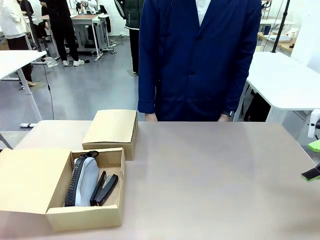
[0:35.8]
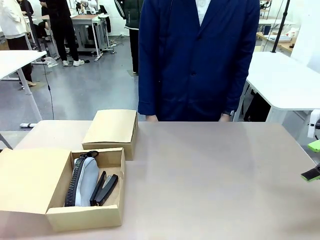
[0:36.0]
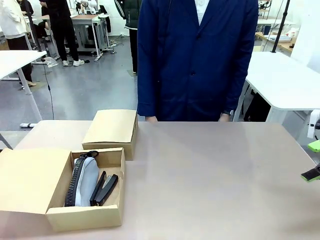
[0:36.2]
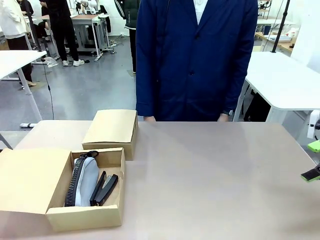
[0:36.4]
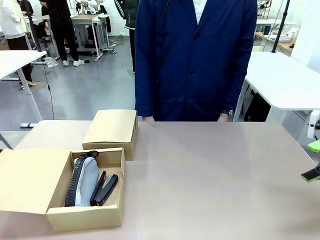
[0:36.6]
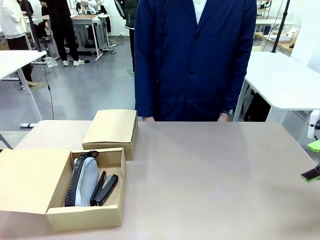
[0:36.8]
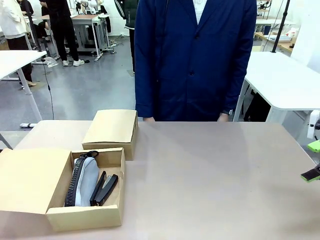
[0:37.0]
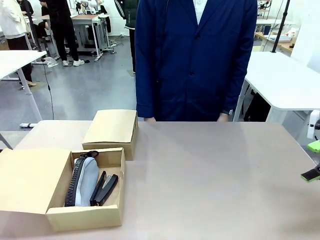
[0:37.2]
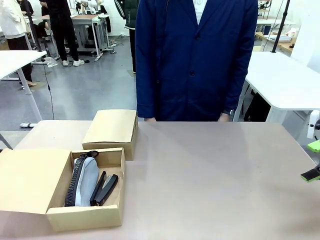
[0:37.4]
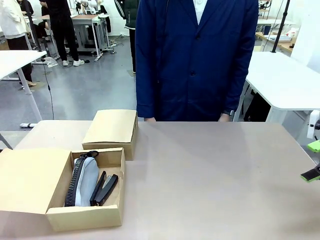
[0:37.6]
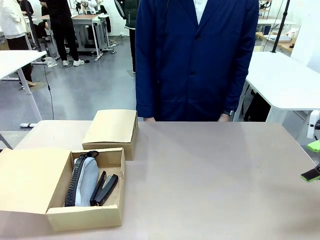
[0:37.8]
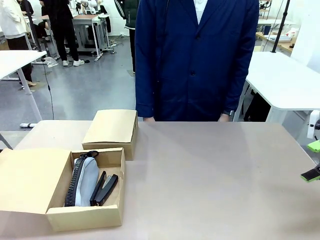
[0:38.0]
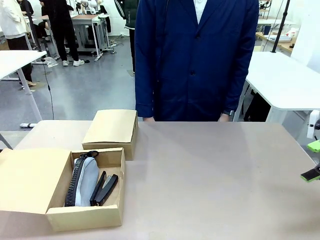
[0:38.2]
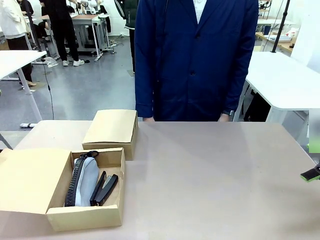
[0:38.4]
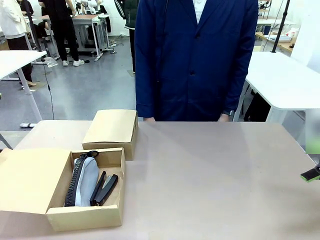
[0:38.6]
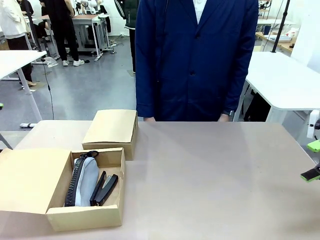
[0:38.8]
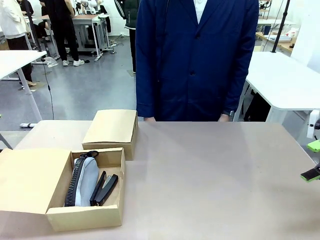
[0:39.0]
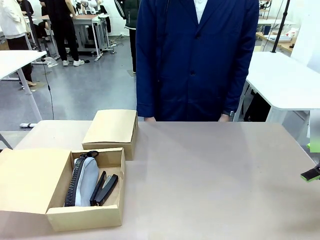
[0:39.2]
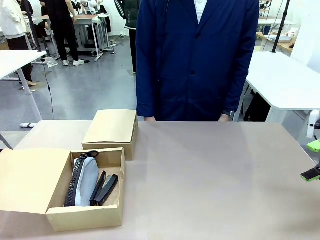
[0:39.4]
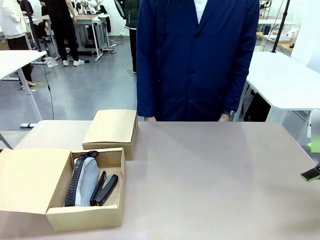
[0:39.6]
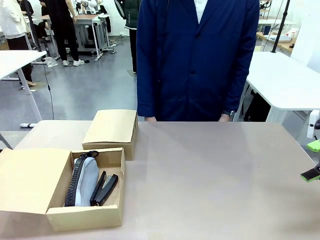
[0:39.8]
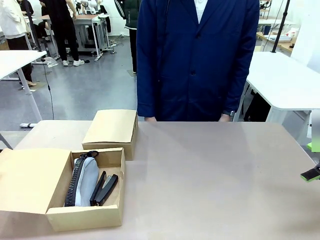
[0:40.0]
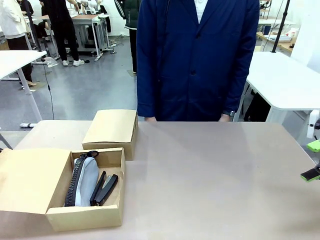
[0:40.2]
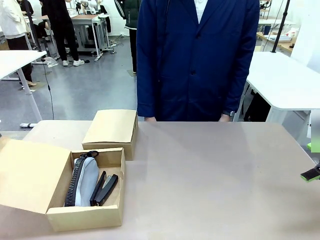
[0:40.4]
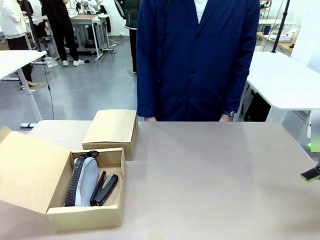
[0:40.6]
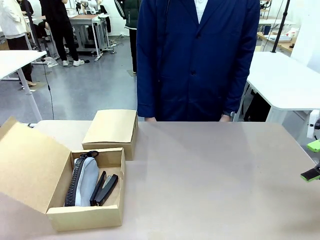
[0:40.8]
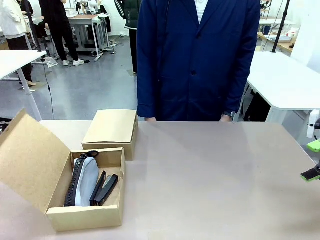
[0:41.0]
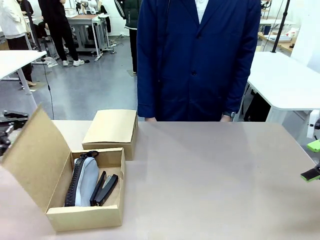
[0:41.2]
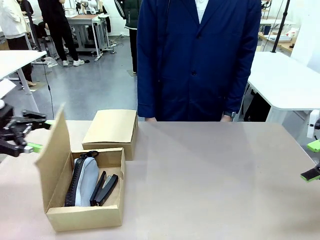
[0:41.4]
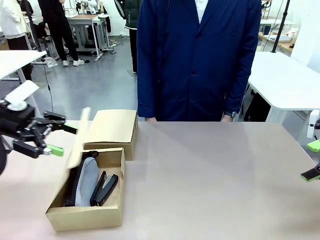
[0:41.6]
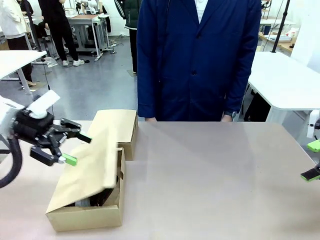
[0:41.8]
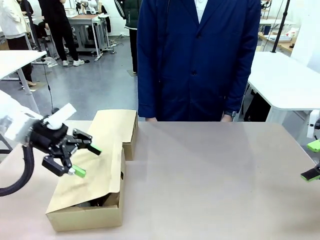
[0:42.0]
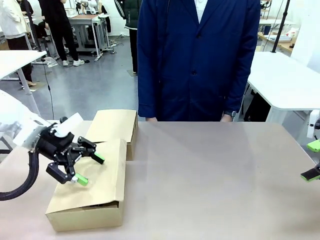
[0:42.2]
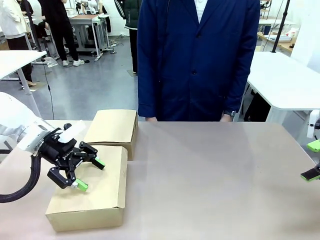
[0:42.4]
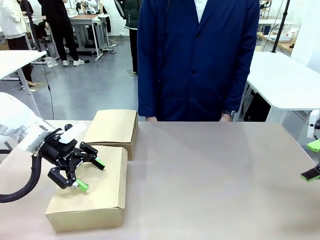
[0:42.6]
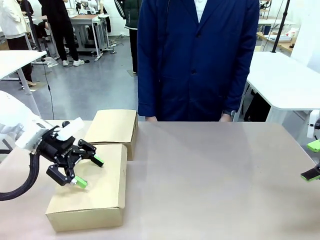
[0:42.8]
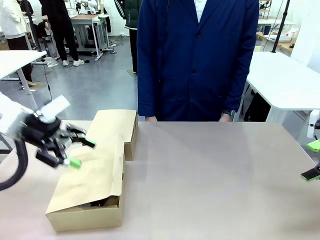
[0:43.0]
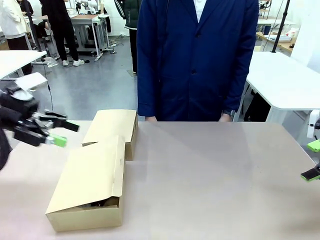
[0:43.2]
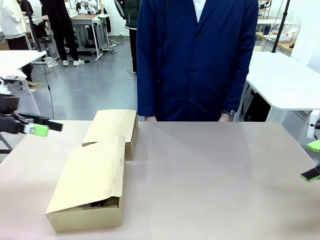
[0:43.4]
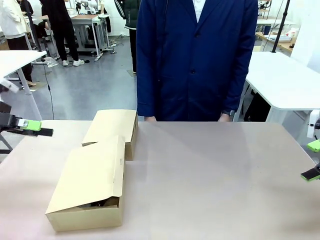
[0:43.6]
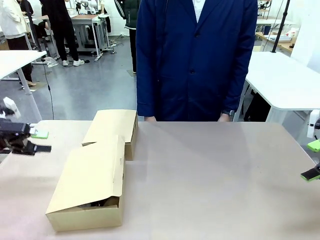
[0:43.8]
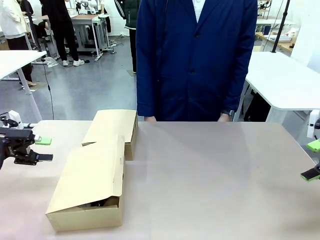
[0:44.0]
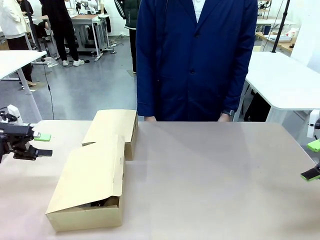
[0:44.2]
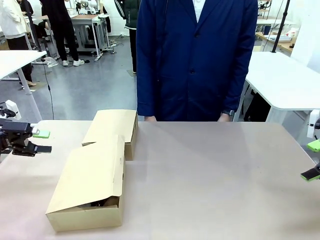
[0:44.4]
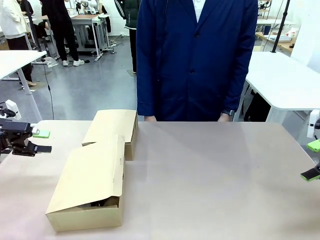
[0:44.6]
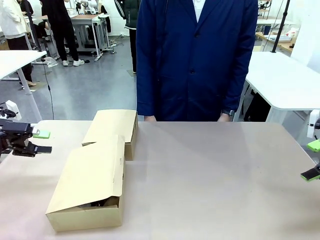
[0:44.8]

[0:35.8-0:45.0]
Task: Place items inside the box.
Robot: Close the lid of the Mailer Box closest to the robot.
Person: Close the lid of the box facing the person.

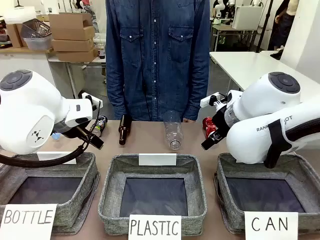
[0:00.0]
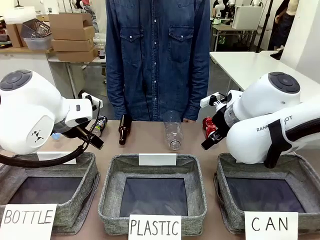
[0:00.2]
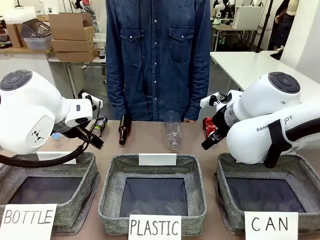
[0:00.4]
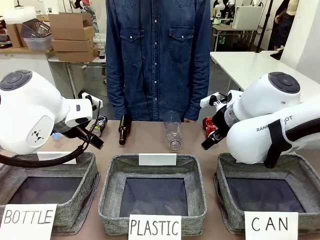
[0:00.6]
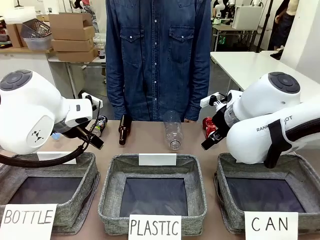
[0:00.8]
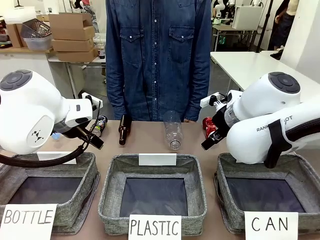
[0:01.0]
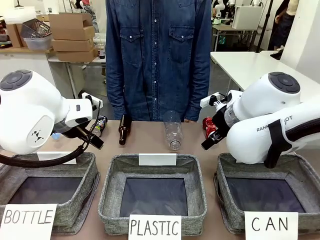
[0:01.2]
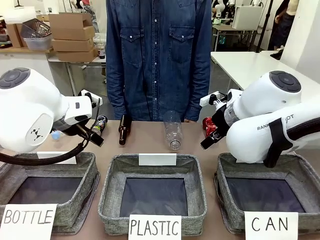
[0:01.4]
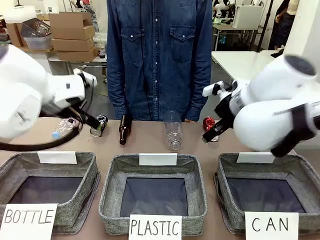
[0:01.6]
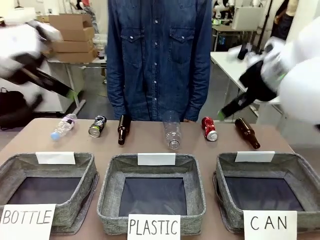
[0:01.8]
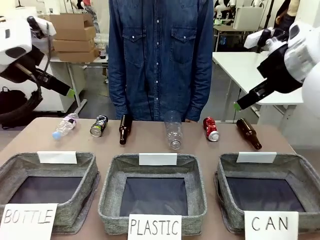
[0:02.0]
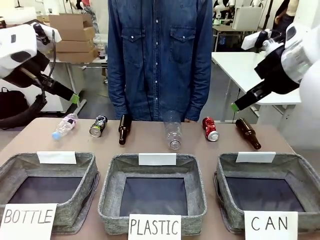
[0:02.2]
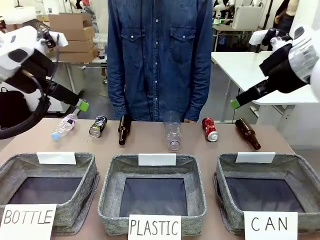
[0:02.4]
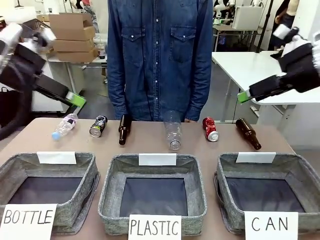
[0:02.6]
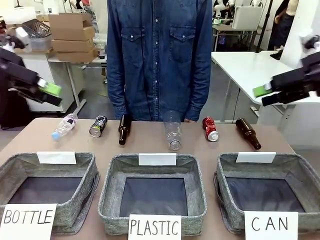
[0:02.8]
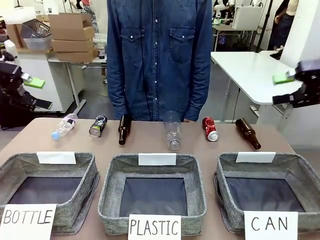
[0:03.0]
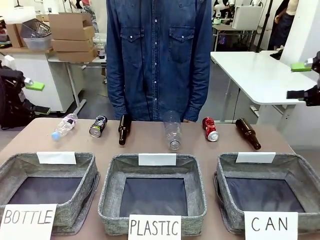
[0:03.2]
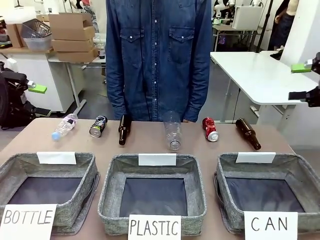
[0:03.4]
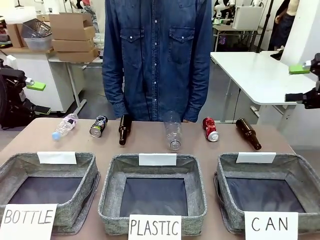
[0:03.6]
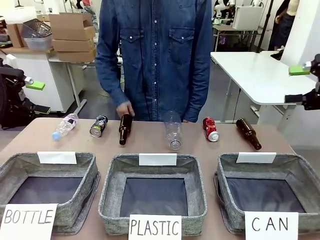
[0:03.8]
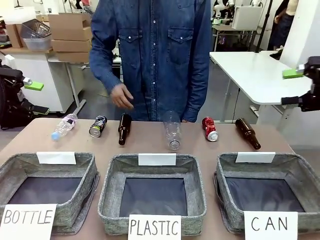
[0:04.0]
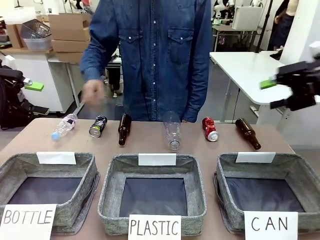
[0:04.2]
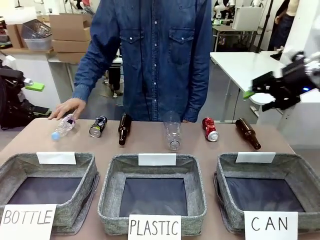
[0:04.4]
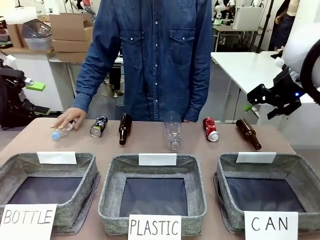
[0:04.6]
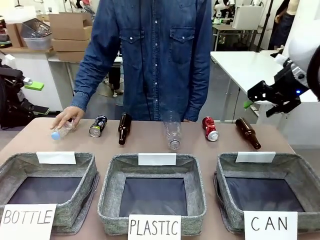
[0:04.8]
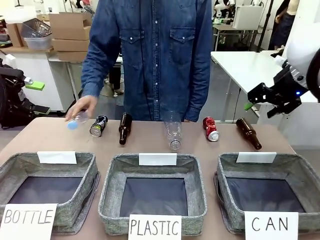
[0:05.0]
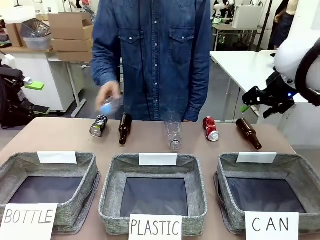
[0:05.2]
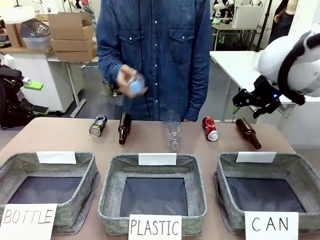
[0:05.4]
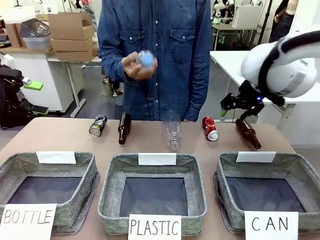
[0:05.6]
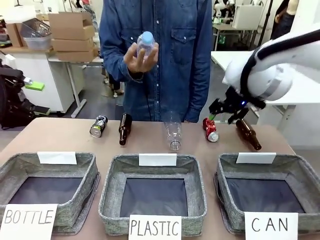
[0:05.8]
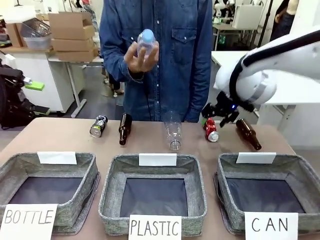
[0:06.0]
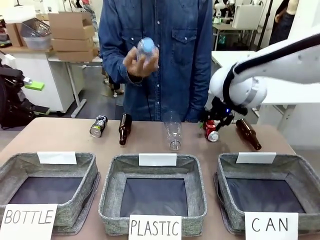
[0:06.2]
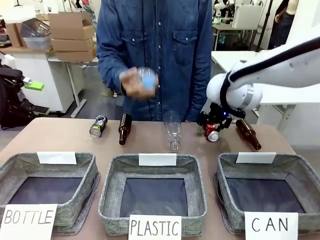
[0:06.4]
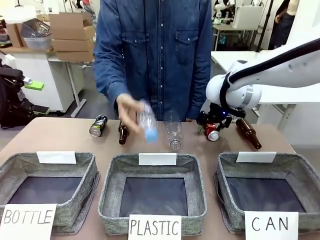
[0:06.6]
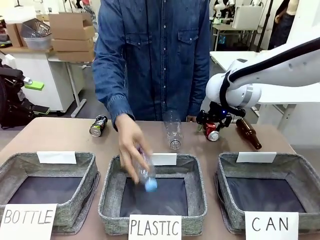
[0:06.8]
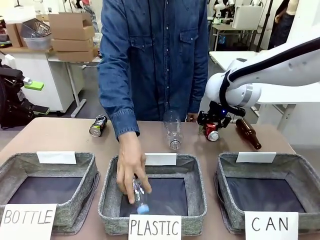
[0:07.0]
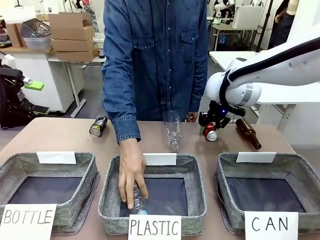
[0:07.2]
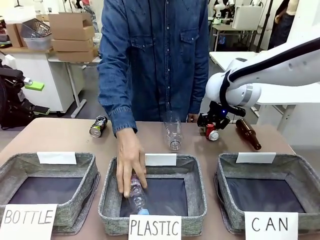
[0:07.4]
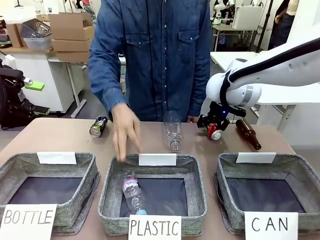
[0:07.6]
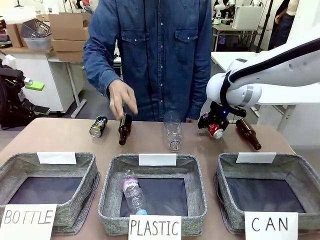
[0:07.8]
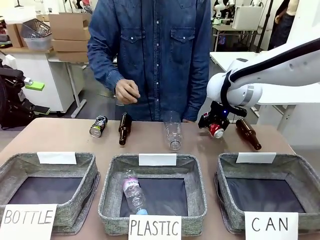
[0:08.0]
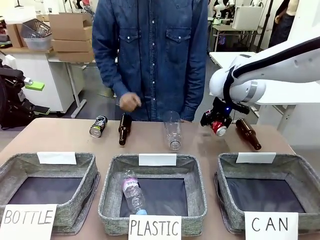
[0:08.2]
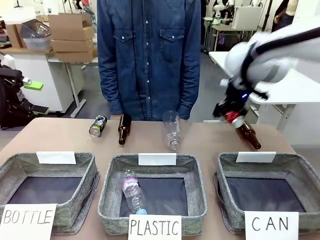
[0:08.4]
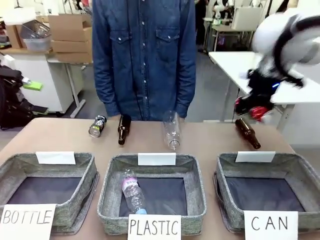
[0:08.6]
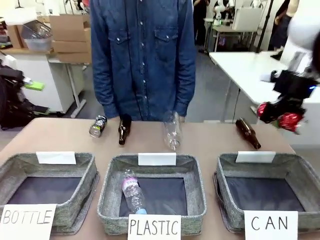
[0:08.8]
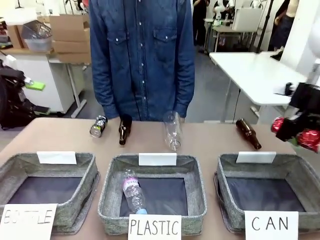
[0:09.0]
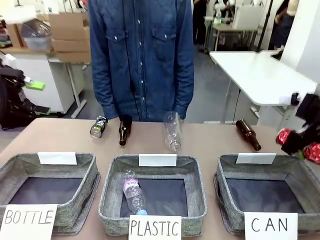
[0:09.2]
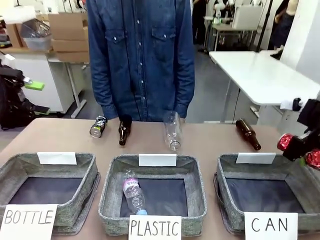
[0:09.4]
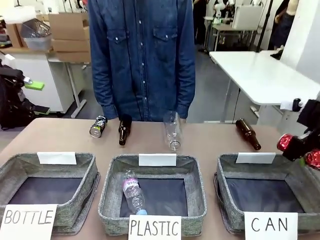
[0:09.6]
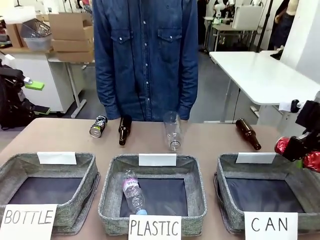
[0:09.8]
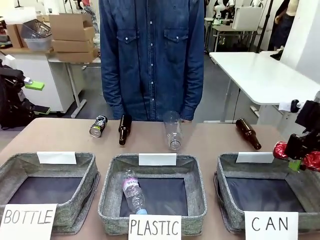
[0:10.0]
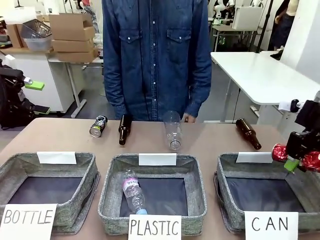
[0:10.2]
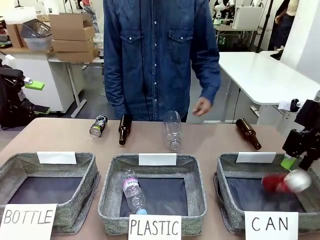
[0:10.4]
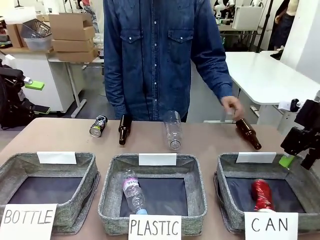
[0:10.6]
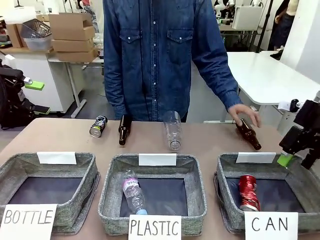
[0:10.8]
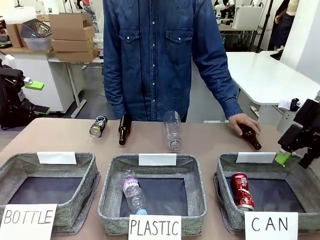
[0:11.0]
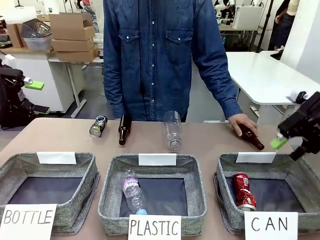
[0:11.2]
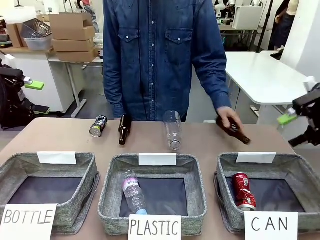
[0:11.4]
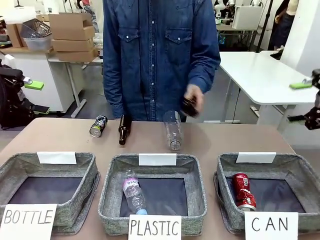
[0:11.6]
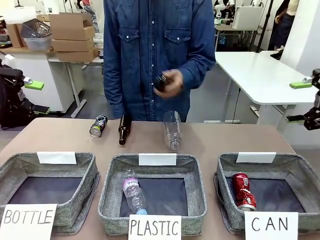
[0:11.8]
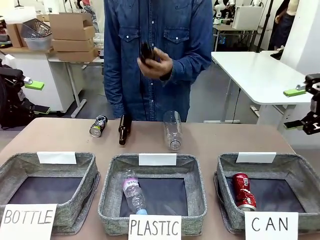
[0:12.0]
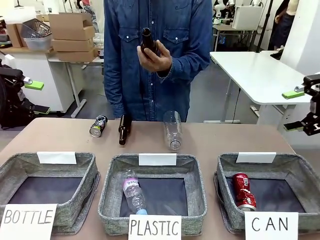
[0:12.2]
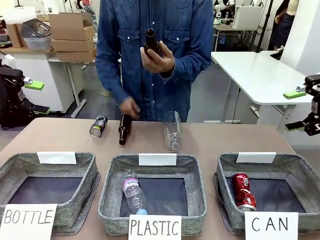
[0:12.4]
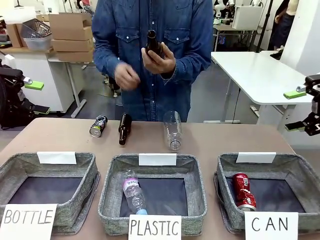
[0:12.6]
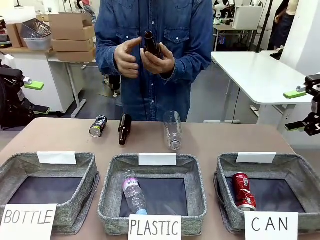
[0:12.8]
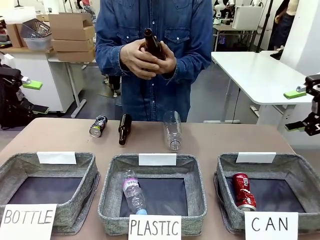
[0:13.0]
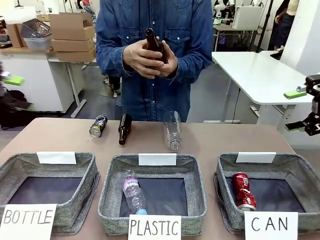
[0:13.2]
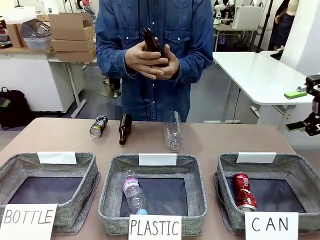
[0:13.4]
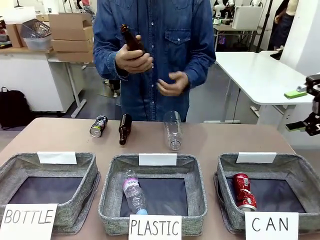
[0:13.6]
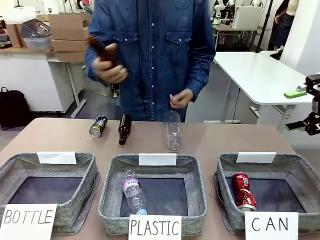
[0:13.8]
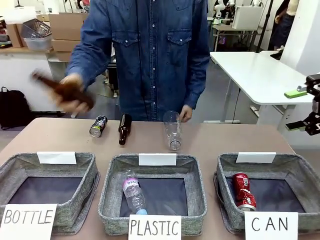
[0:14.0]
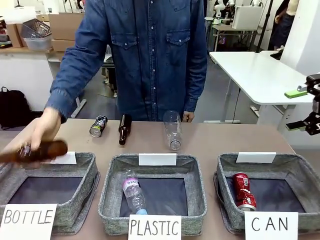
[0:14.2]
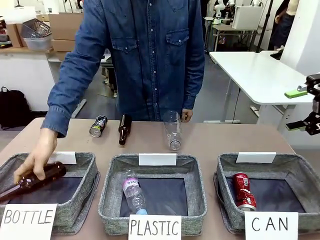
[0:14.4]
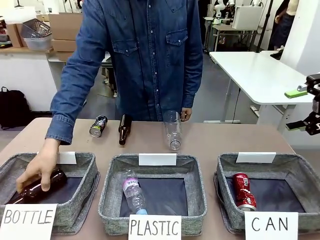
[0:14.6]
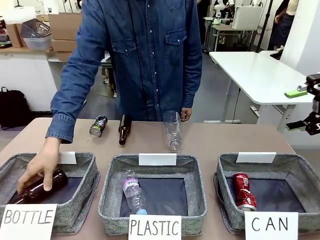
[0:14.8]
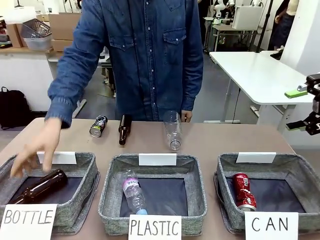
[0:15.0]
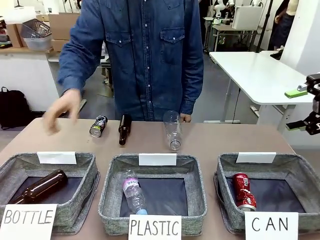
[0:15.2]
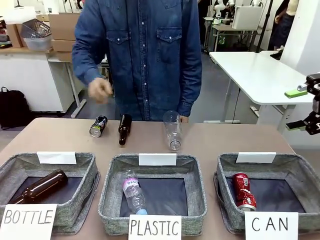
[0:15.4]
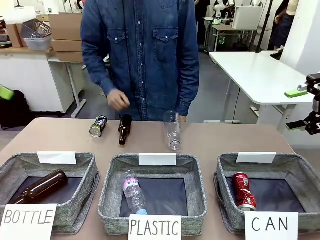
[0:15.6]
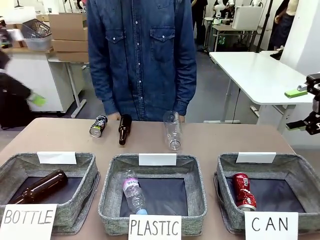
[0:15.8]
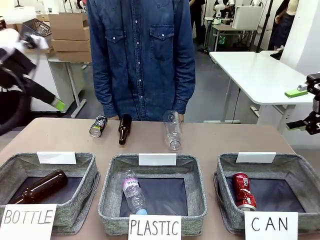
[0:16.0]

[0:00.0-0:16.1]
Task: Sort the can waste into the basket.
Robot: Pick up the can waste from the table and place it in the right Fabric basket.
